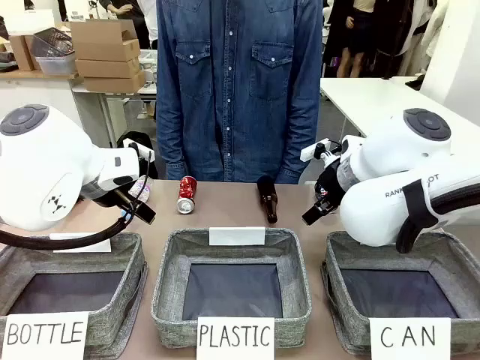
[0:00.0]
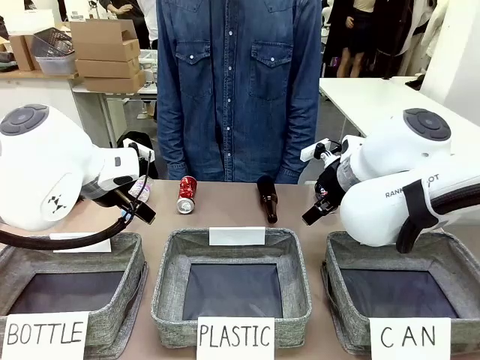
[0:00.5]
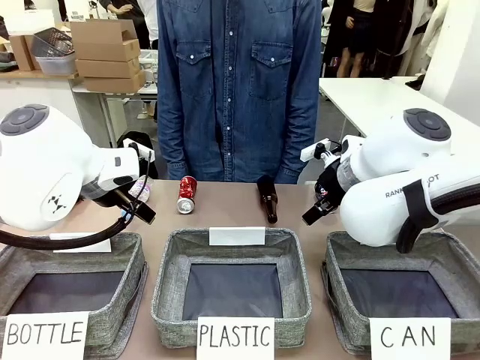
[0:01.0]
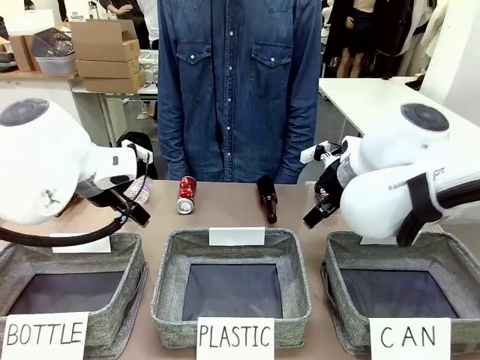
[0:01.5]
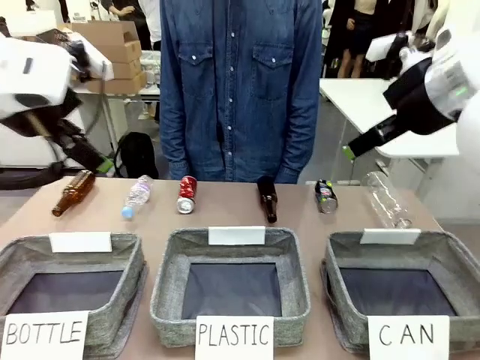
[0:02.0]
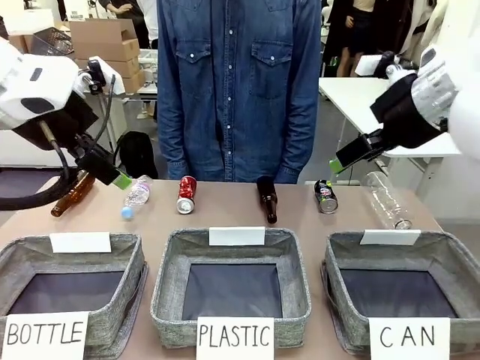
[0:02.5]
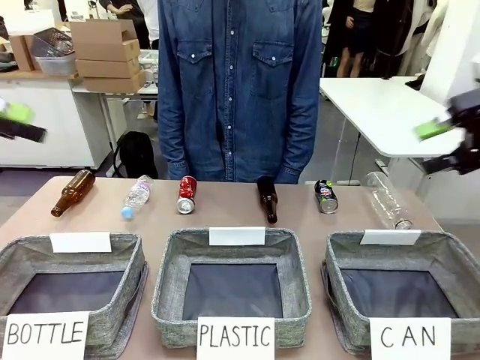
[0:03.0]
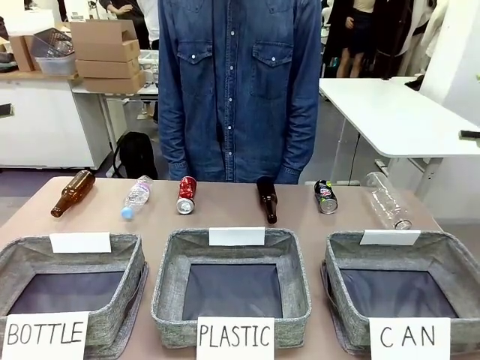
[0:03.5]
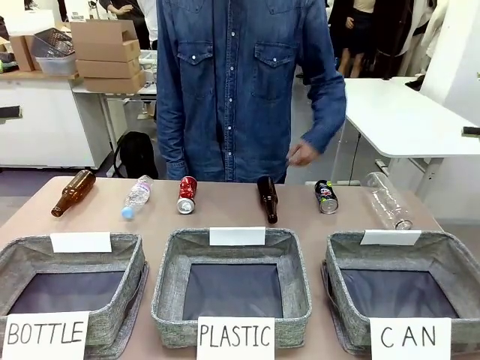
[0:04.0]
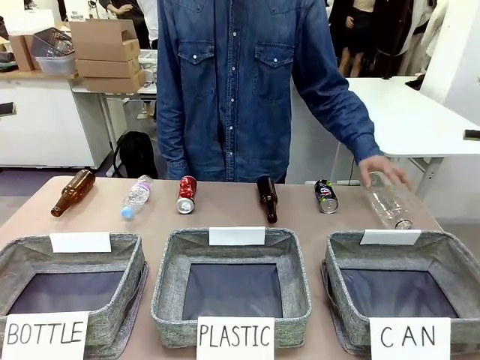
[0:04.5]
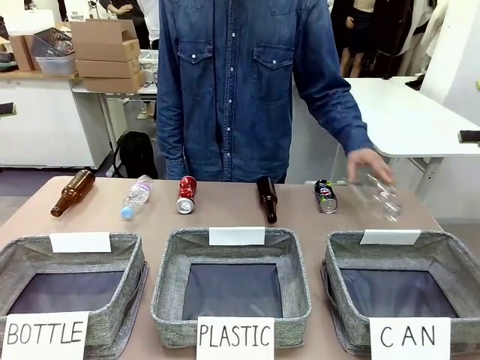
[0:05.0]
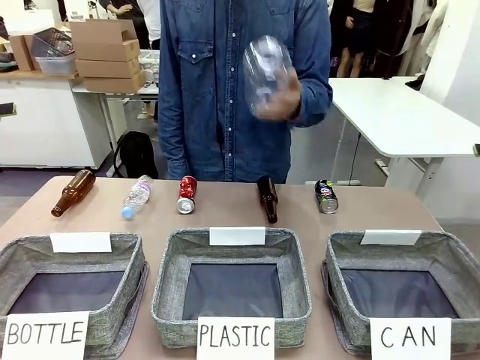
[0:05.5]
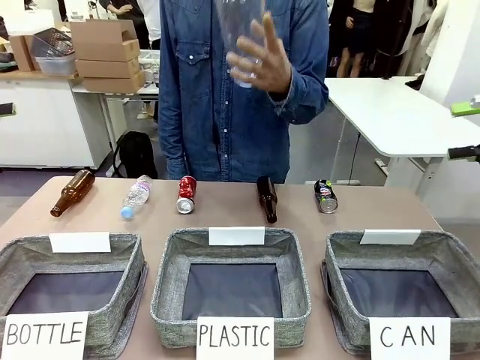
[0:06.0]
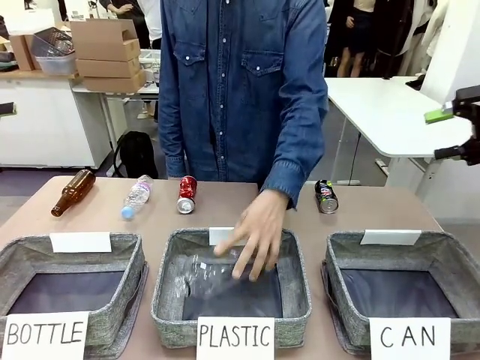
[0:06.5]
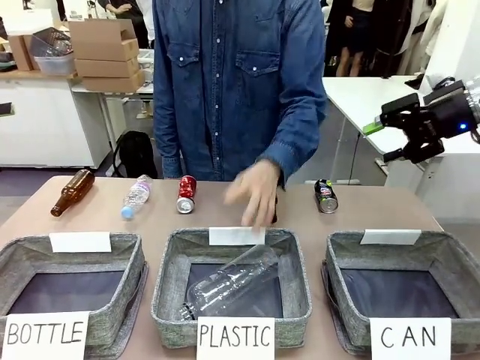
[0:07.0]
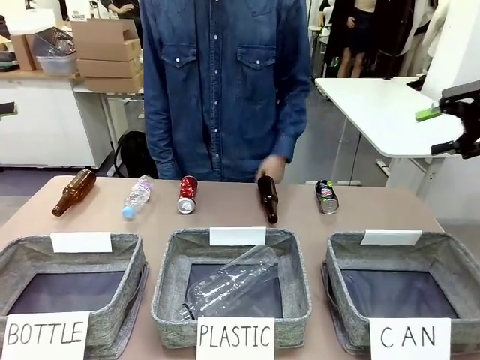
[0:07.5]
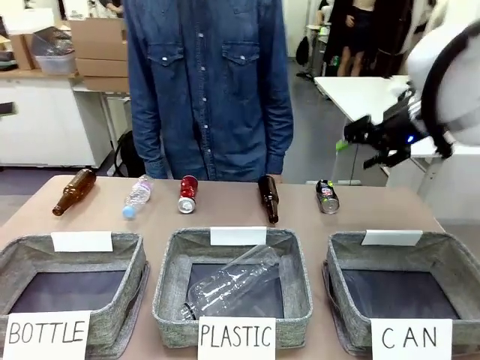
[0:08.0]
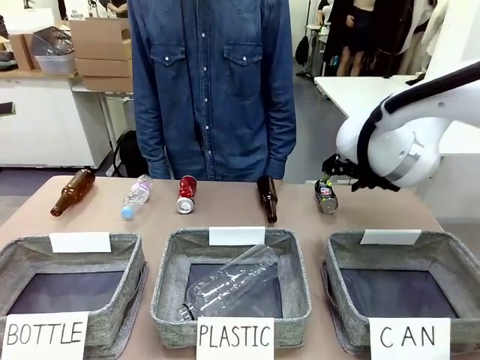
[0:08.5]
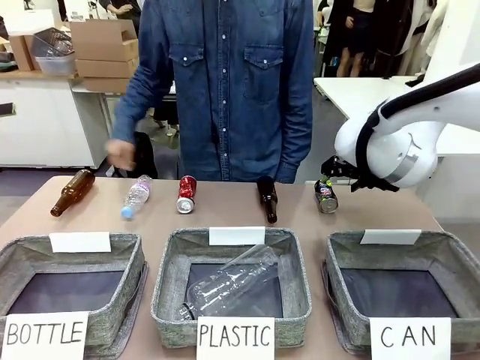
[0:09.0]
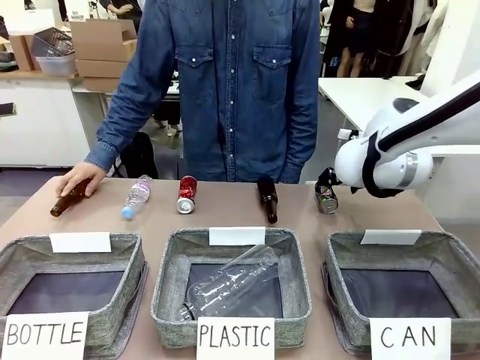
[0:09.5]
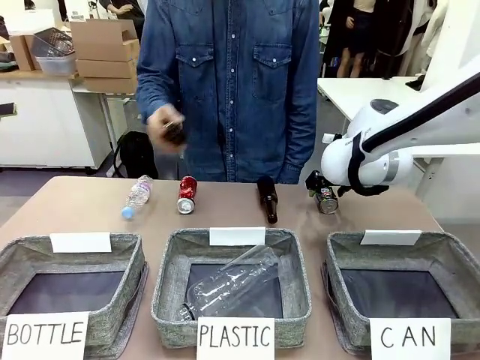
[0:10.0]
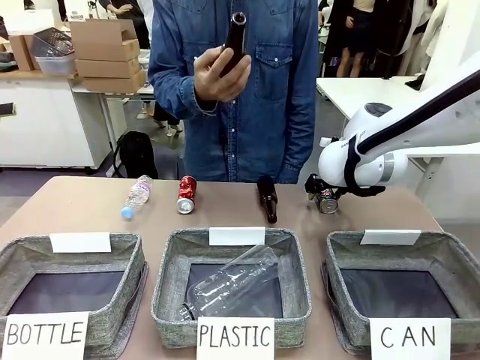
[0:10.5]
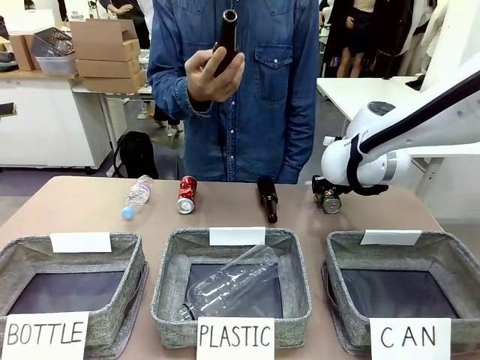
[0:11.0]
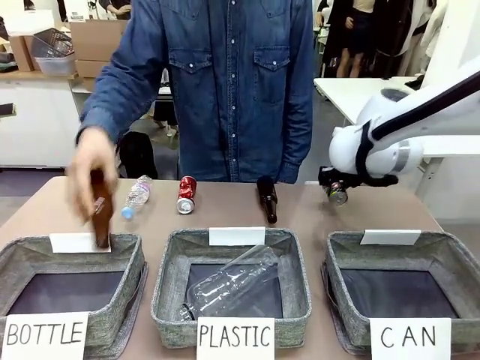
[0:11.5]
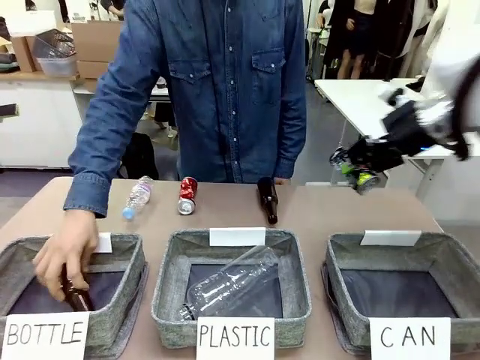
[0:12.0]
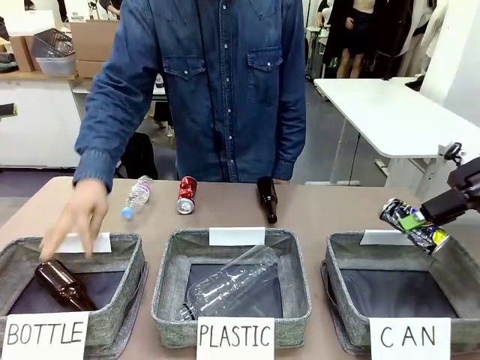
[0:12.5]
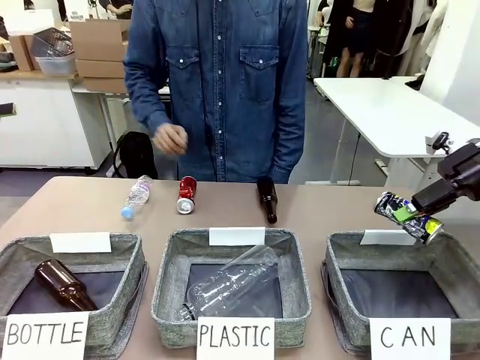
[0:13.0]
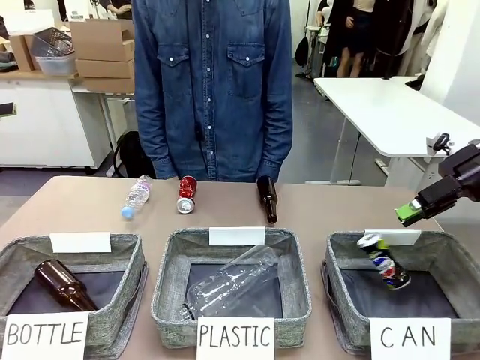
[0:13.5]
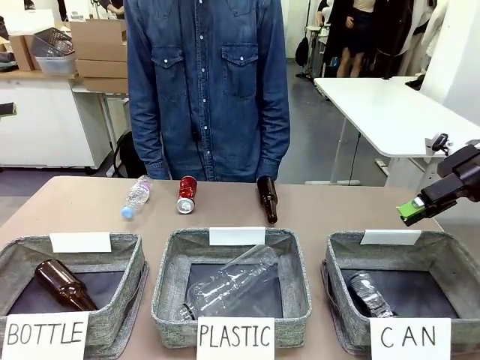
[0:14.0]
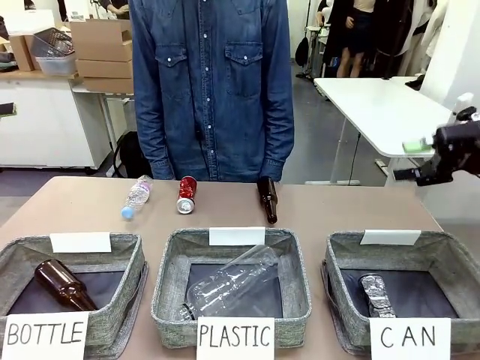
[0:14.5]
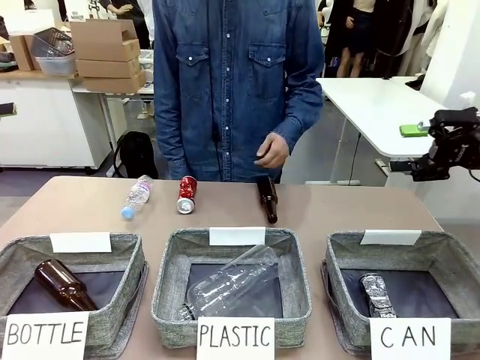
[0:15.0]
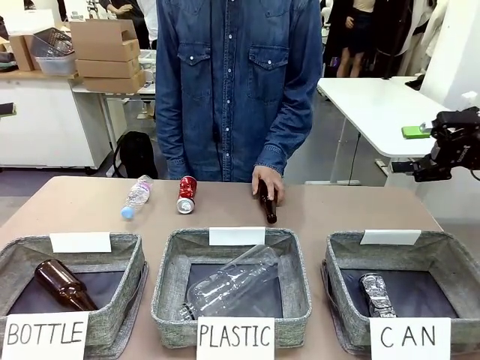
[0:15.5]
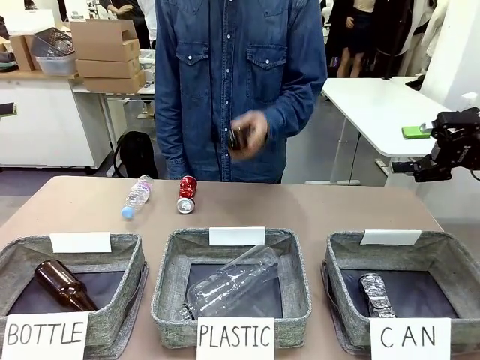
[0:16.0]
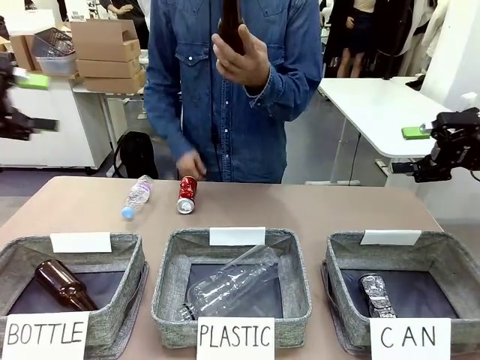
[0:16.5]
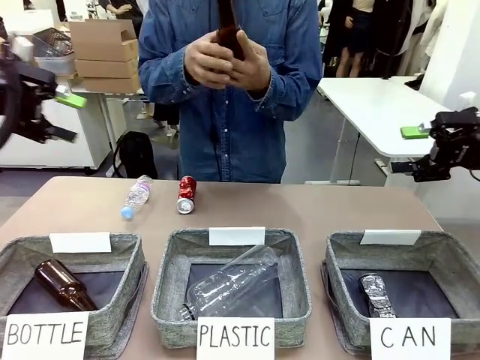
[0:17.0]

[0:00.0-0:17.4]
Task: Sort the can waste into the basket.
Robot: Pick up the can waste from the table and place it in the right Fabric basket.

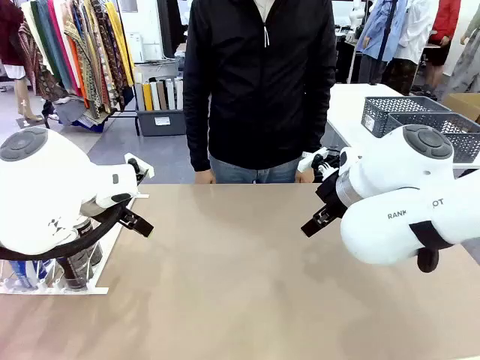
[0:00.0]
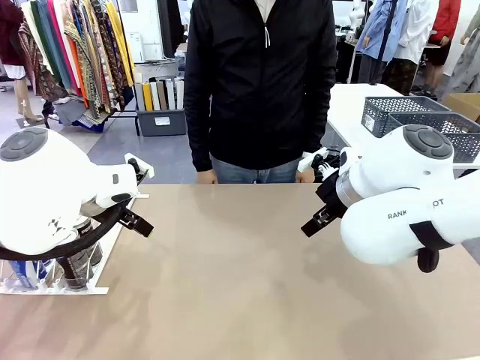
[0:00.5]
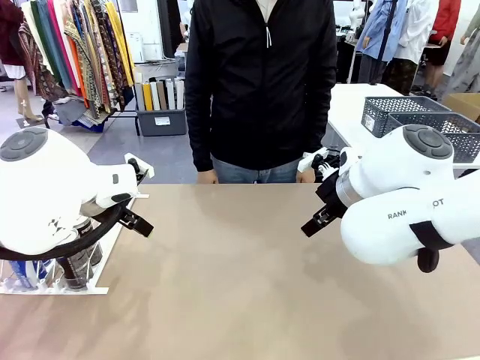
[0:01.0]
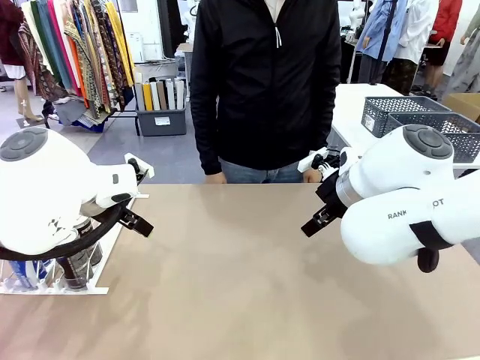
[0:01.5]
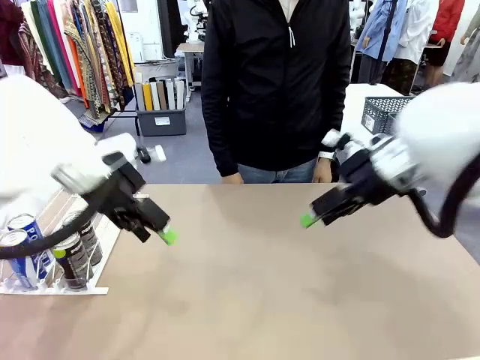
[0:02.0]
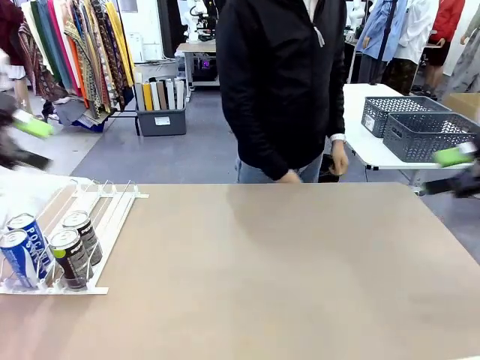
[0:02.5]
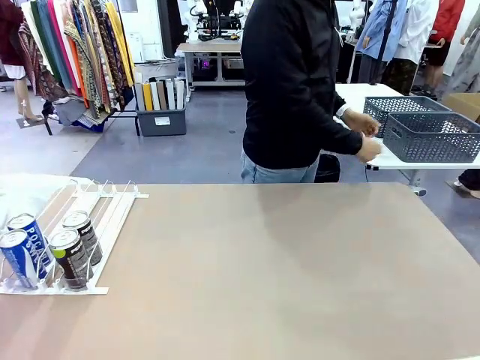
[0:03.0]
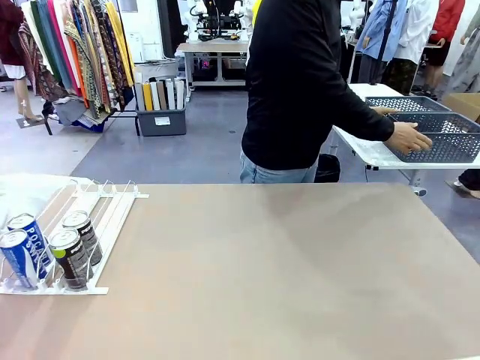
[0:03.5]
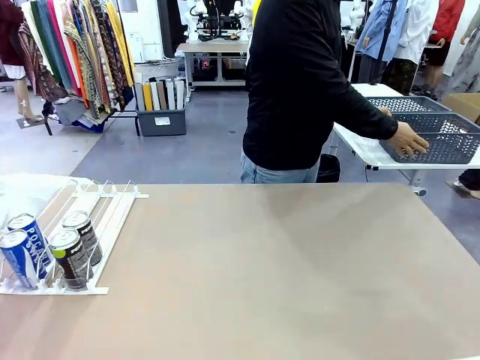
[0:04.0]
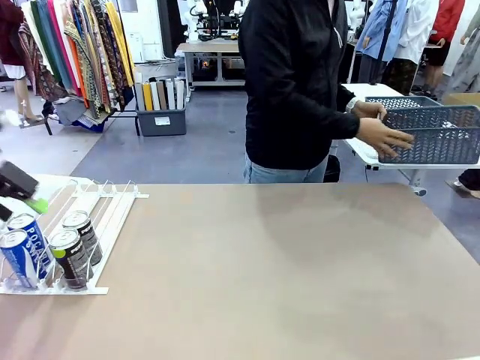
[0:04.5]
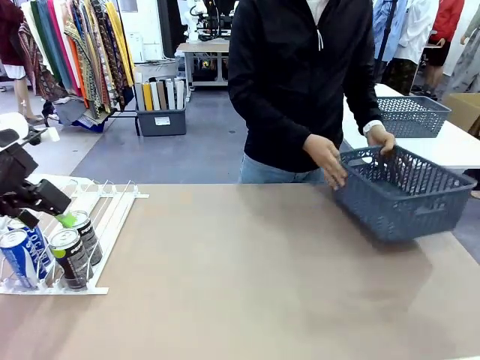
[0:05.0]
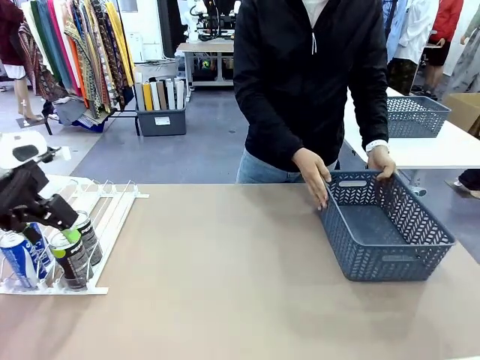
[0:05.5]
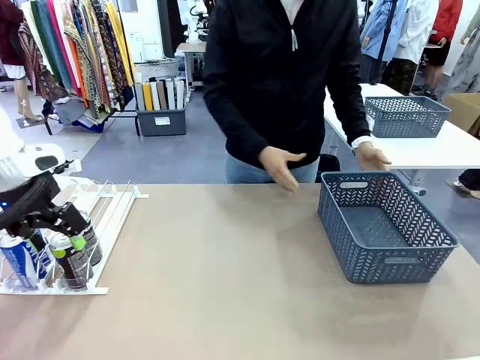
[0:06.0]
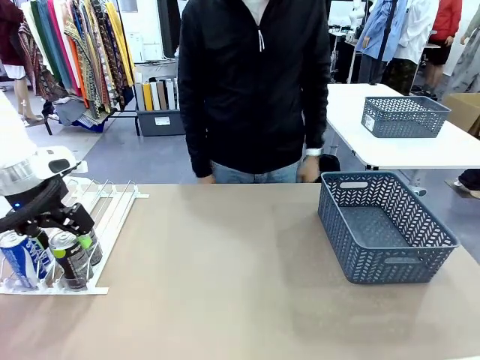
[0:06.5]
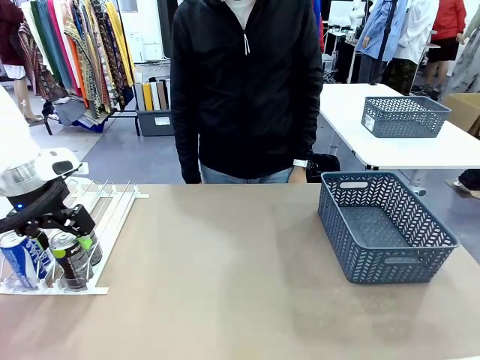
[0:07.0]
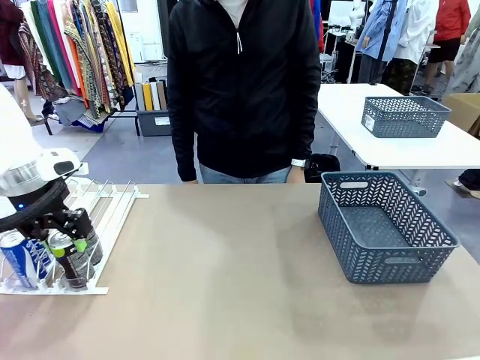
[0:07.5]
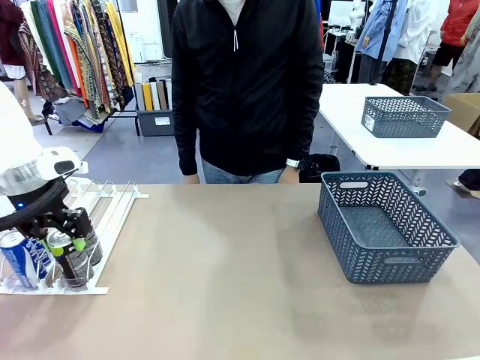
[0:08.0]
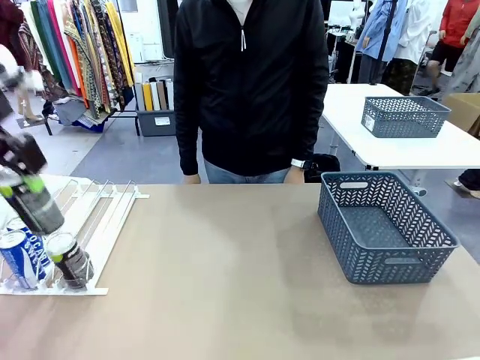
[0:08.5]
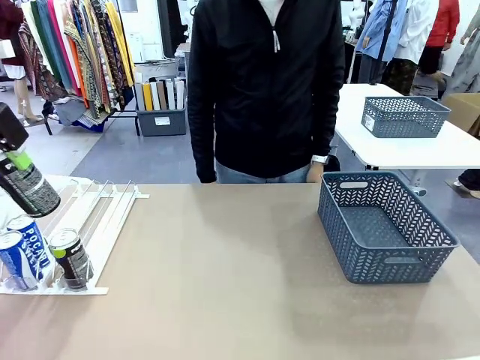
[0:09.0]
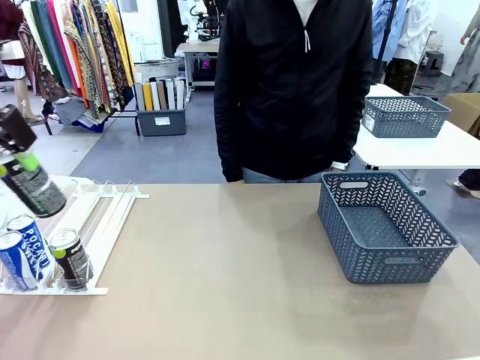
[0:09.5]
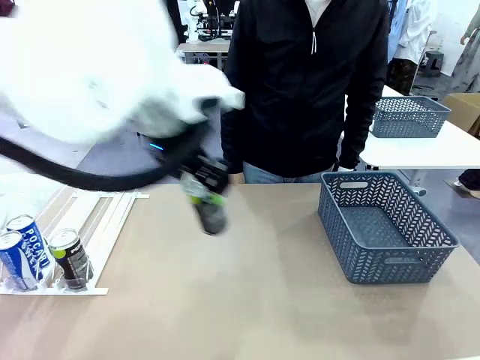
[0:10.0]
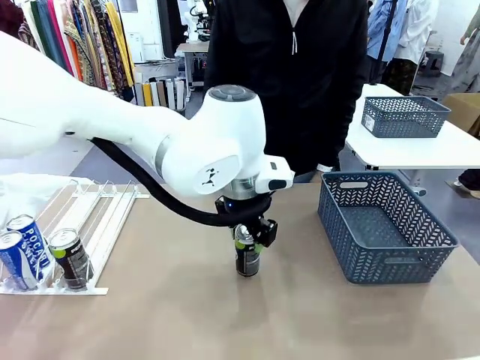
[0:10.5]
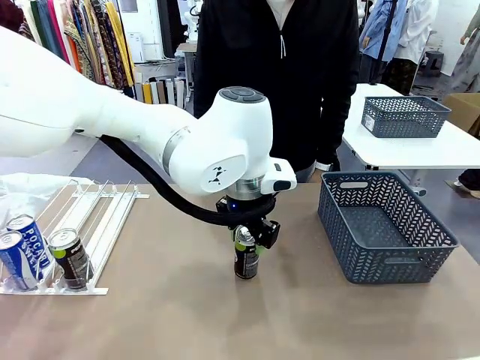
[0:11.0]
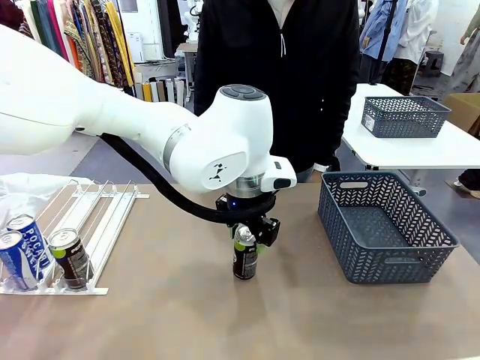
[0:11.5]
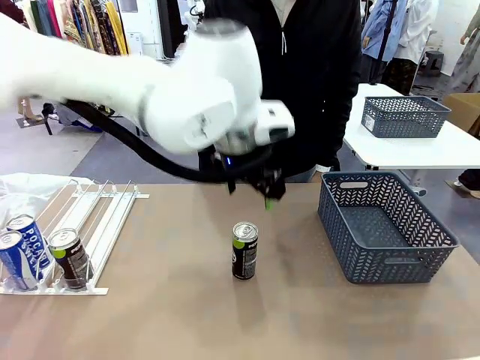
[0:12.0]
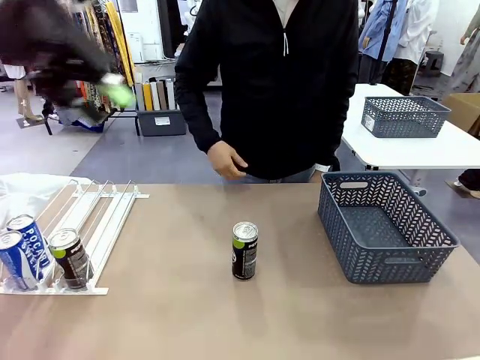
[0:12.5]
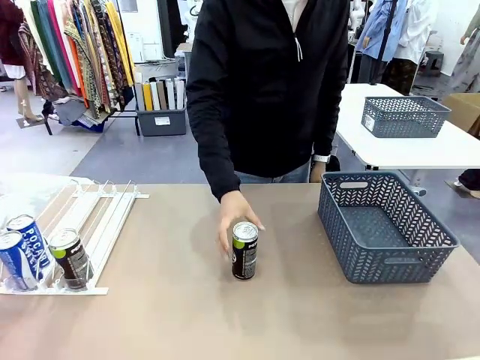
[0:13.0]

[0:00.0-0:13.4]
Task: Retrieve and store the cans from the dispenser.
Robot: Pick up one can from the Automatic Can Dispenser and place it in the middle of the table.
Person: Pick up the basket and place it on the left side of the robot table.
